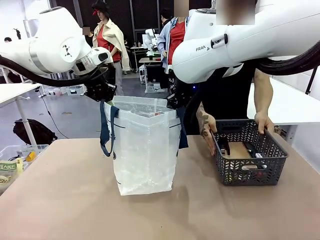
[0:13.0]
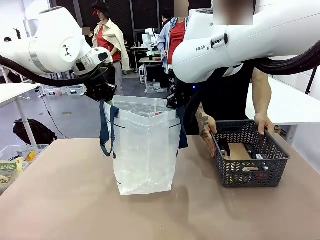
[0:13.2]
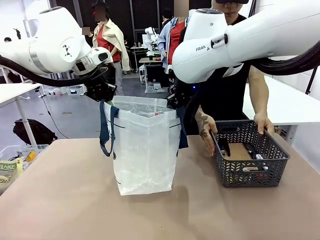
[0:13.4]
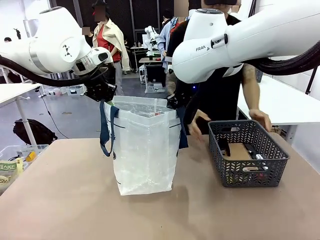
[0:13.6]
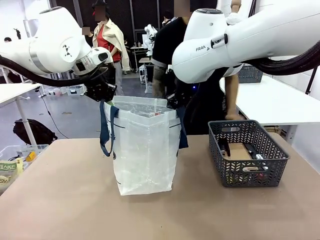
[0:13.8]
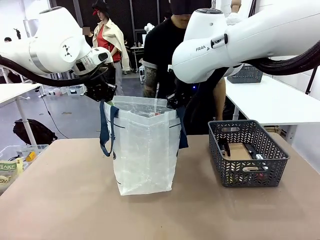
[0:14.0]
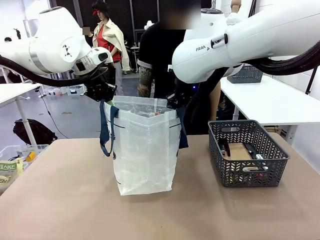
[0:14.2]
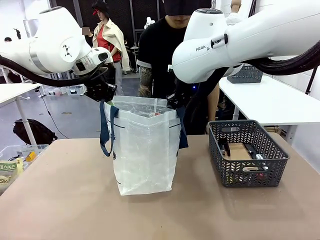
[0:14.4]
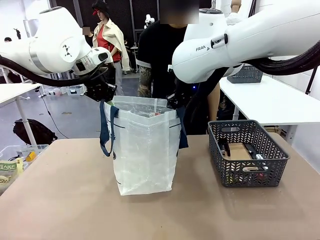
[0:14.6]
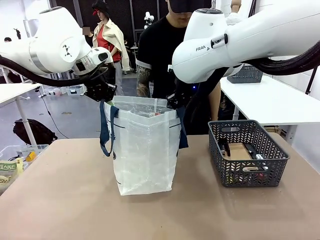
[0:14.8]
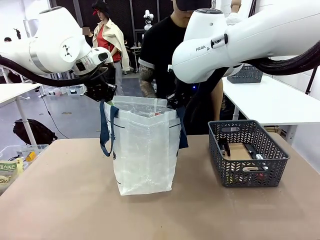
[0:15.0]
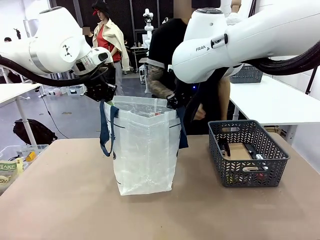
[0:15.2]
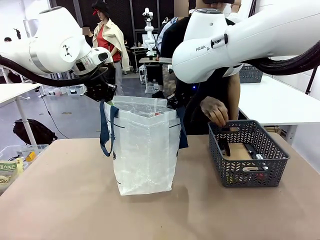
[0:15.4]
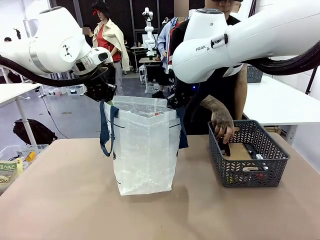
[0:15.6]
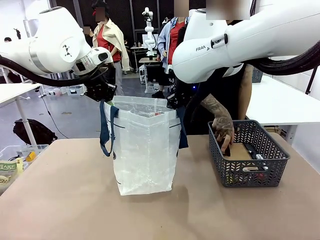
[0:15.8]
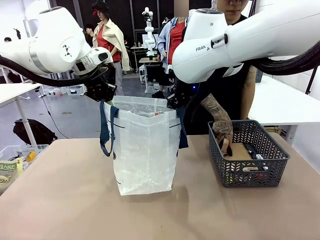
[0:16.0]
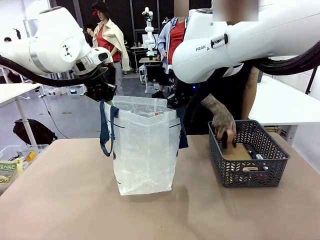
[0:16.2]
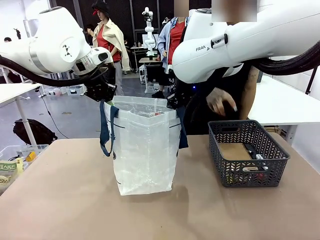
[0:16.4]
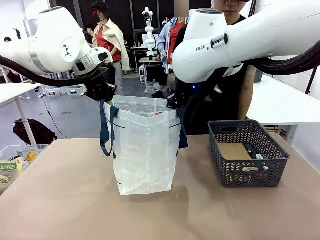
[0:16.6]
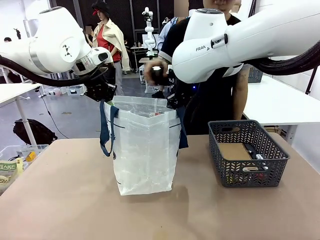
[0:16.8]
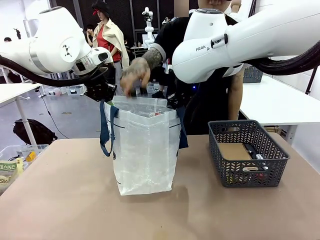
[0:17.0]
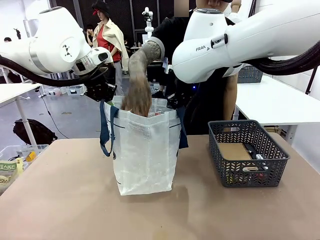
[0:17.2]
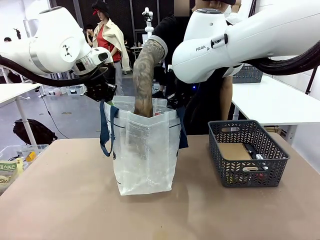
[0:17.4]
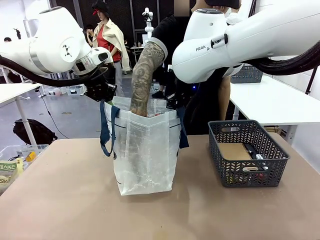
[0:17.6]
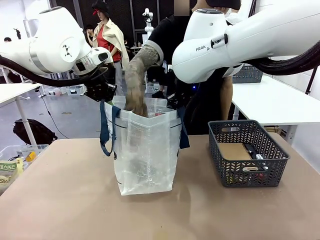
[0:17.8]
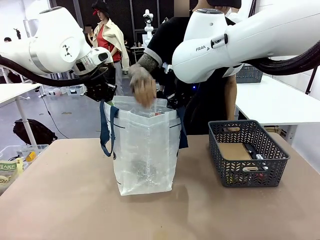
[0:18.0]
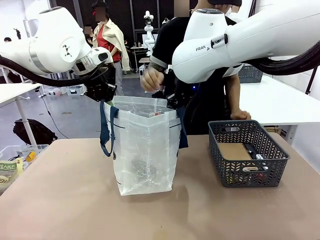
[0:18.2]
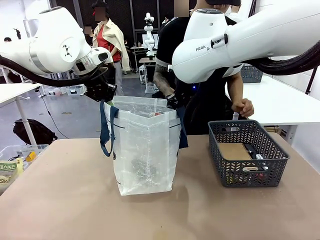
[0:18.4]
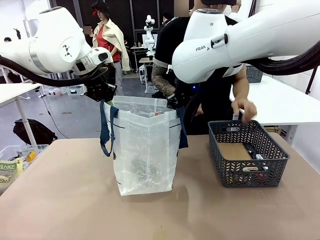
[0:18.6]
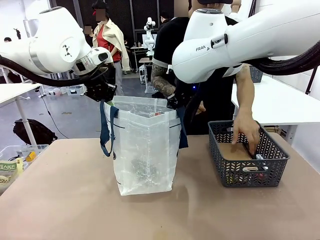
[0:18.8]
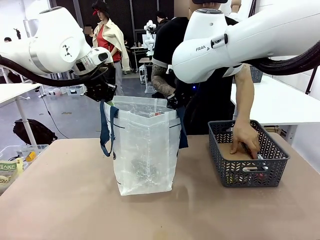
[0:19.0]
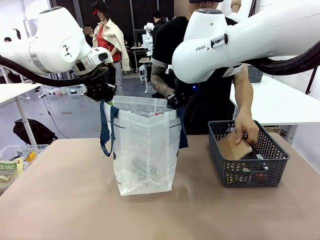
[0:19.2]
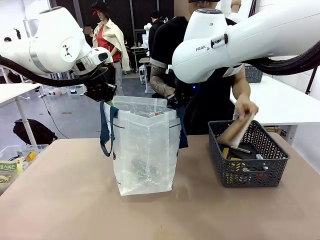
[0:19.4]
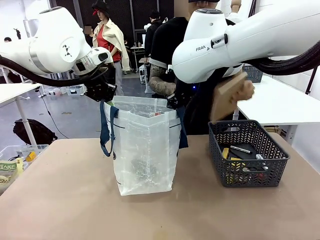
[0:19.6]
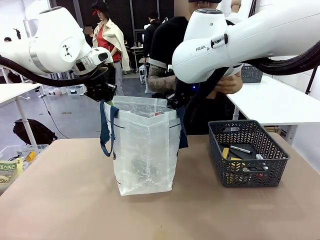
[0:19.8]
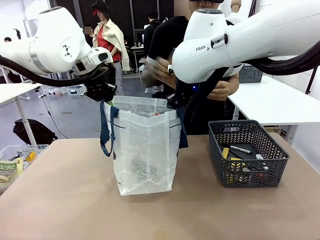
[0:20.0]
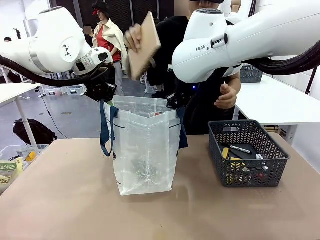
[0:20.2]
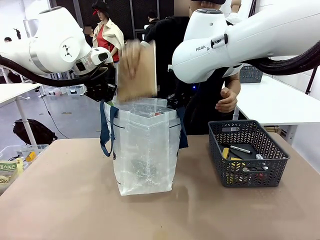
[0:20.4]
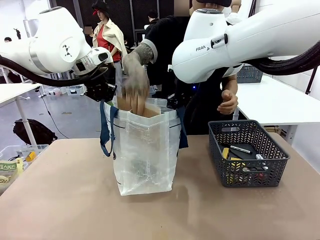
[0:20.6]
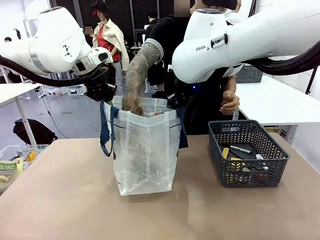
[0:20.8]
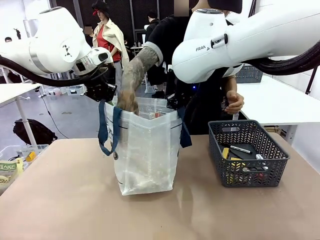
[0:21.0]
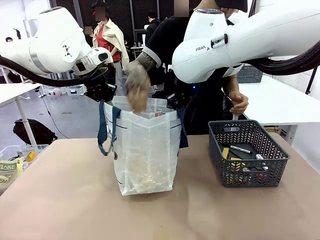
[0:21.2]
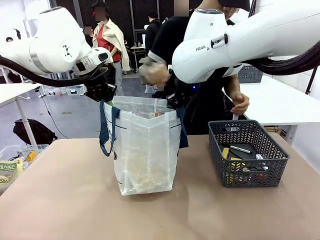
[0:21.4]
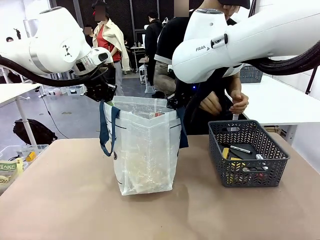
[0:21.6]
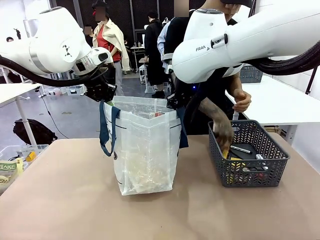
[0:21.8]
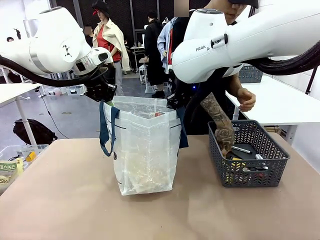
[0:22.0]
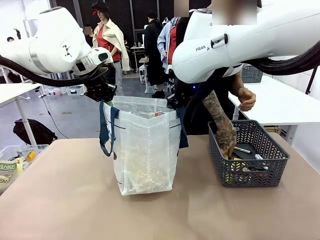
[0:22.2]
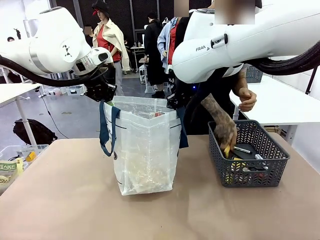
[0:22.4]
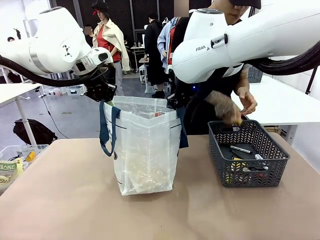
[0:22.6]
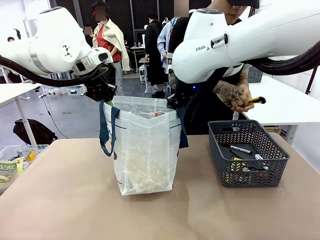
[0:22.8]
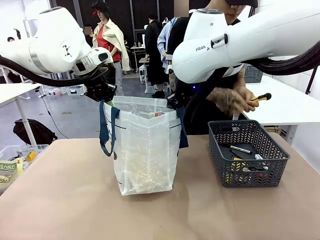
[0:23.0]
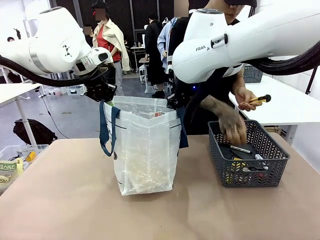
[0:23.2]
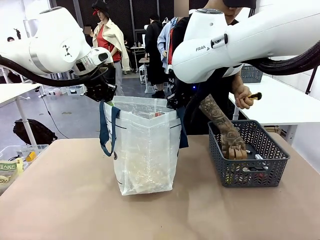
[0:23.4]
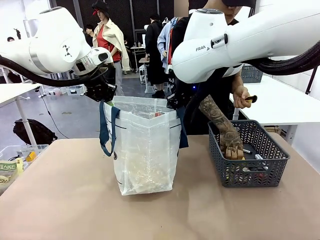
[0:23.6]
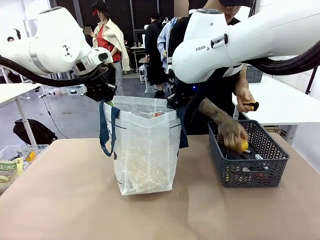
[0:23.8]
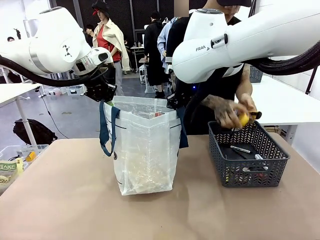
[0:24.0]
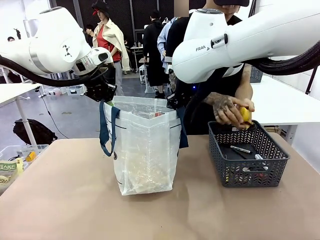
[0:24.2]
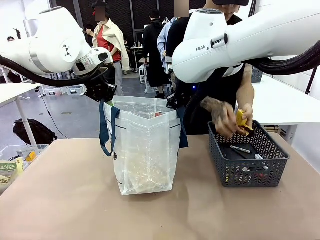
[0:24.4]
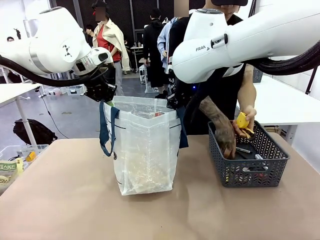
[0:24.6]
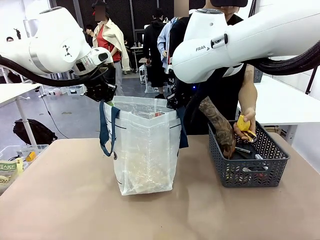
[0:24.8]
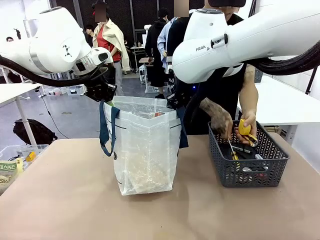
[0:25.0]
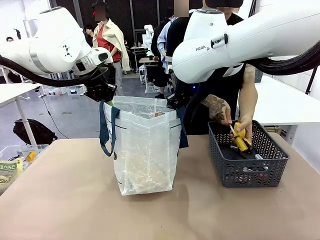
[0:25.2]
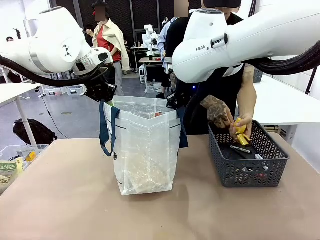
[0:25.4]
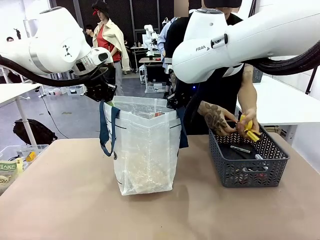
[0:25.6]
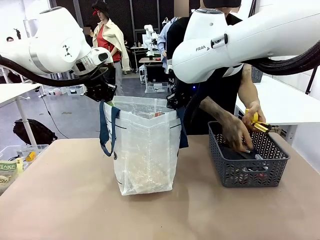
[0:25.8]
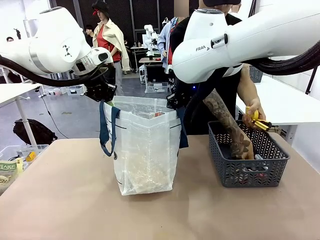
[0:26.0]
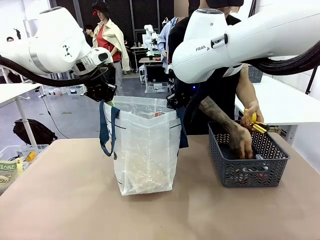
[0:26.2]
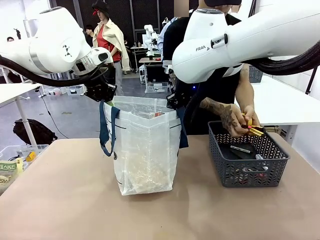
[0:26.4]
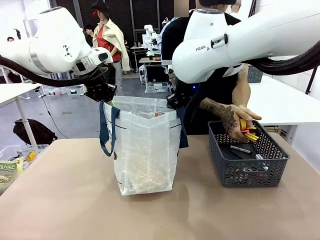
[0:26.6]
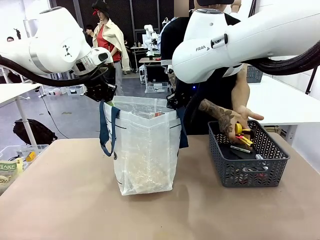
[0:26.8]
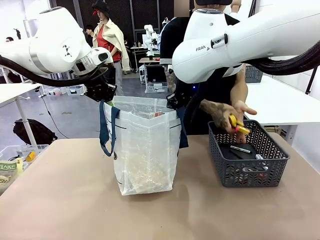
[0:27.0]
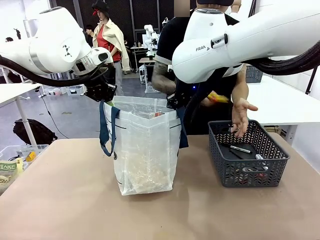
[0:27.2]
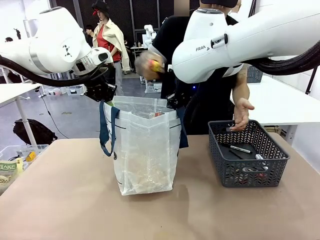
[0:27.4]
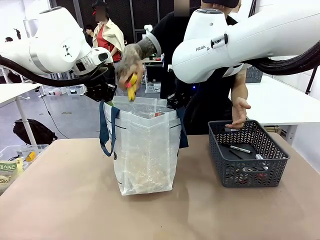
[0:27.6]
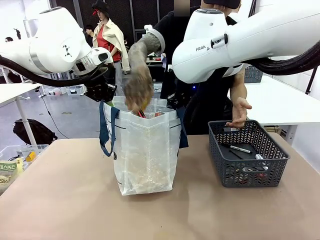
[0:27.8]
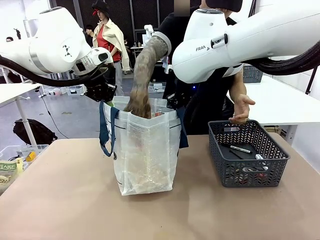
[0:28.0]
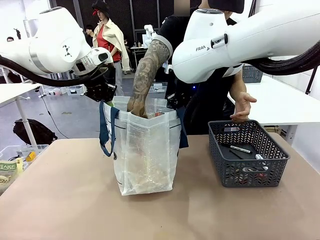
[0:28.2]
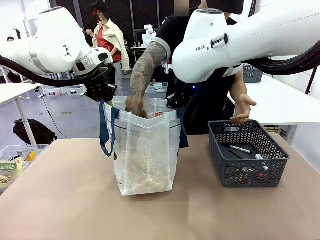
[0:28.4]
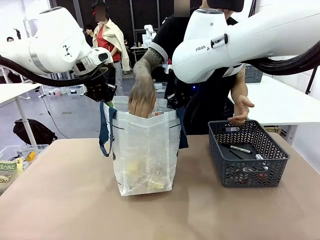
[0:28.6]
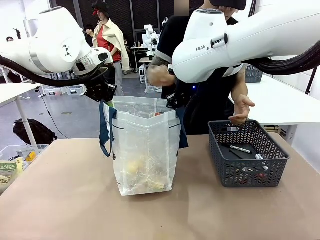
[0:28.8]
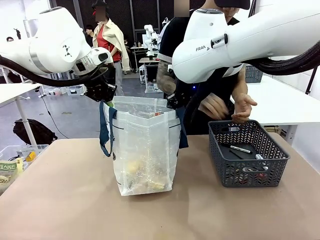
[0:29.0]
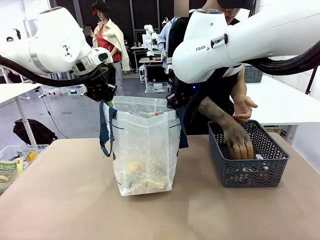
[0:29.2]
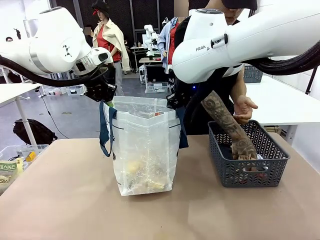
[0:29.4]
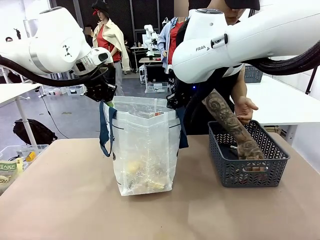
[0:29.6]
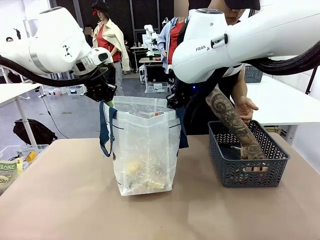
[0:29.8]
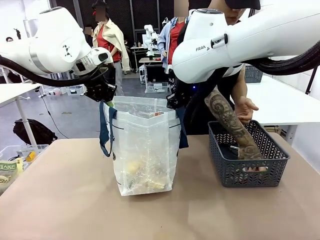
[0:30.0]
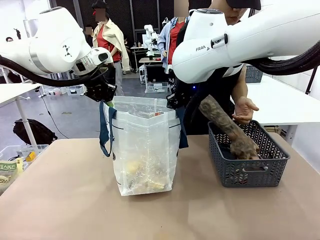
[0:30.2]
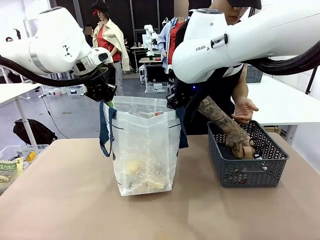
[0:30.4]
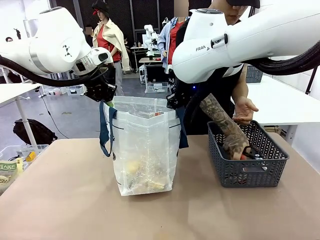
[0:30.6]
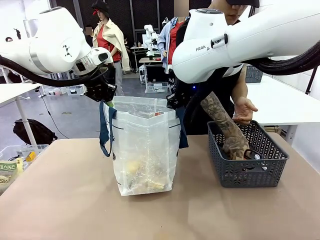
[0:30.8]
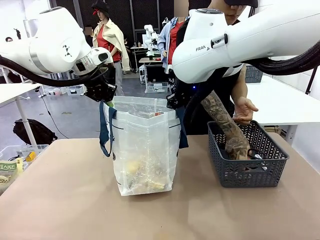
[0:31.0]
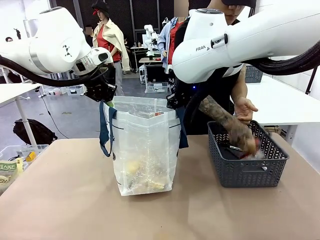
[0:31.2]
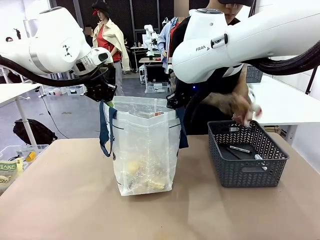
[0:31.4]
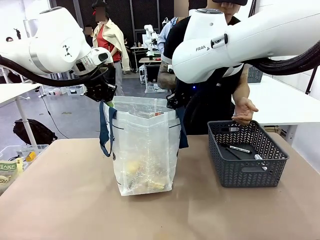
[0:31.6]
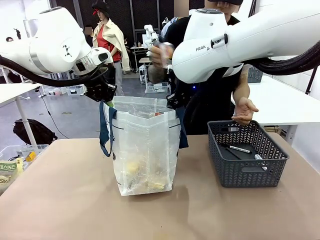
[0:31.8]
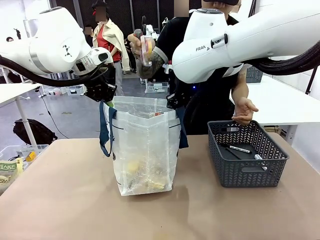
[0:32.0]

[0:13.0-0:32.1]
Task: Transfer purchased items from the store into the shopping bag.
Robot: Move the Reusable shopping bag to the right side of the table.
Person: Pick up the basket with the items out and place it on the right side of the human table.
